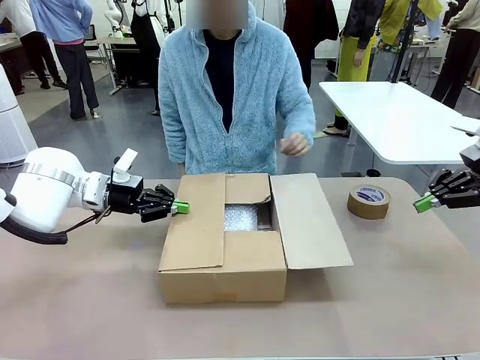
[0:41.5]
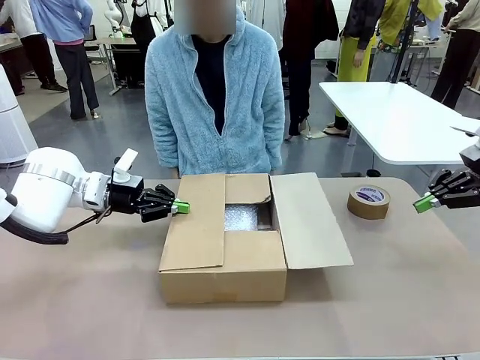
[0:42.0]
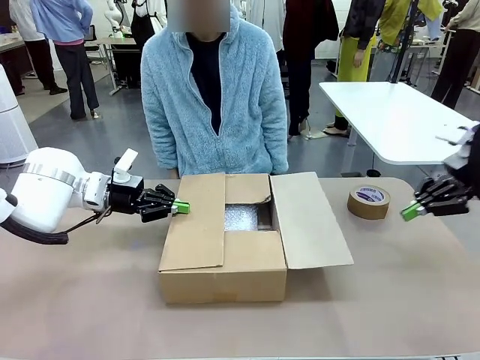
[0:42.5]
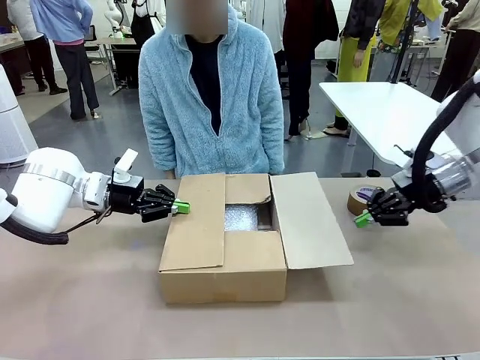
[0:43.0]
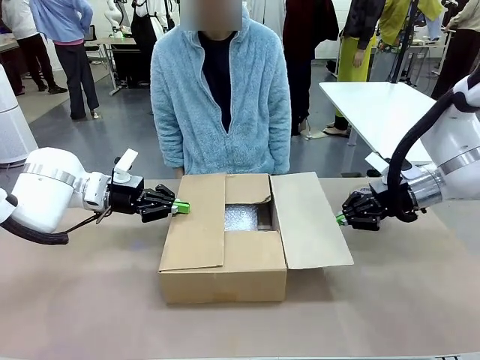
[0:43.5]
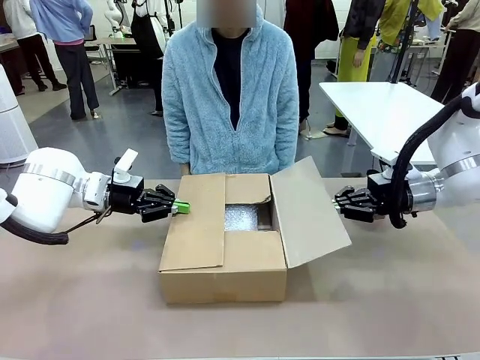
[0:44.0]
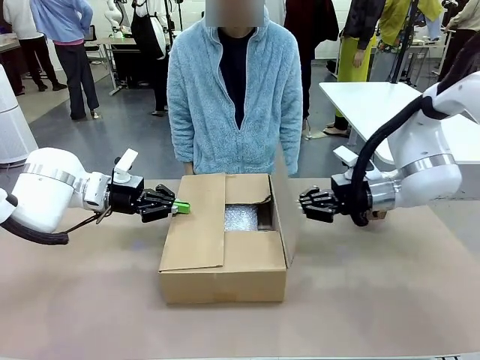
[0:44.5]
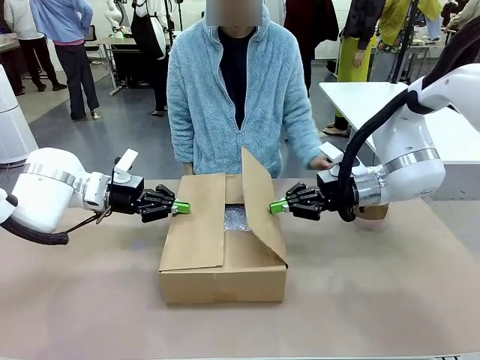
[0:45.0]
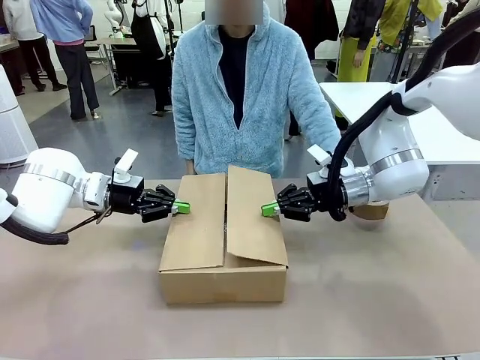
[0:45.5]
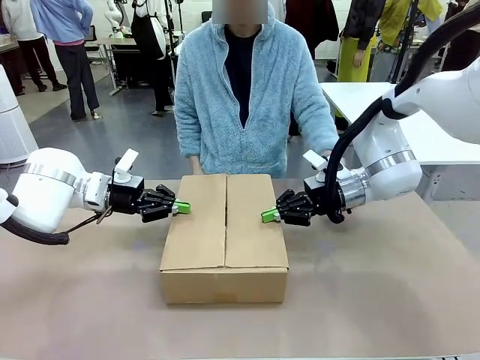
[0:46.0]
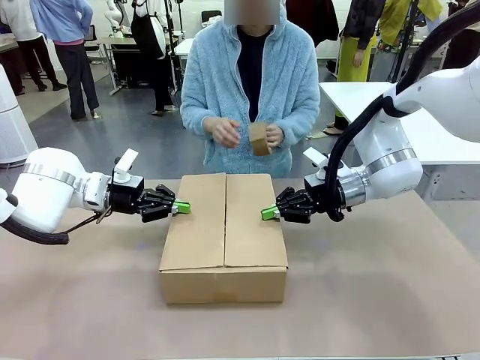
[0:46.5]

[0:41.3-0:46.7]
Task: Wrap the clocks to prevent damage.
Robot: Push the left (or right) flap of the Package Box to close it.

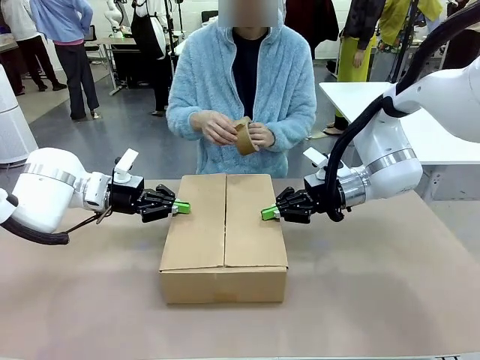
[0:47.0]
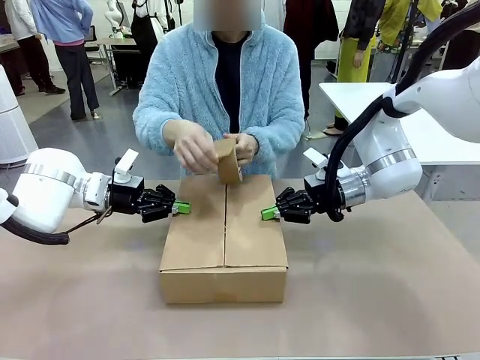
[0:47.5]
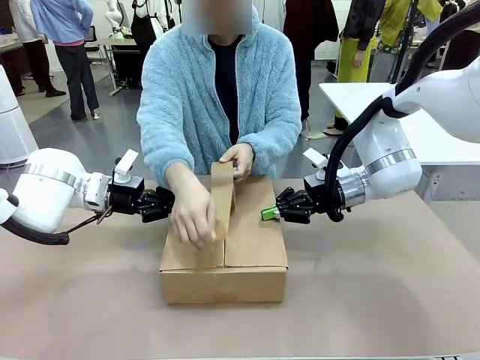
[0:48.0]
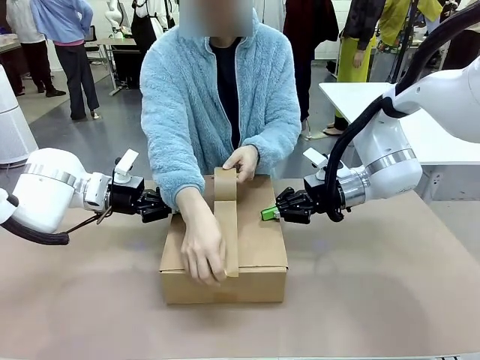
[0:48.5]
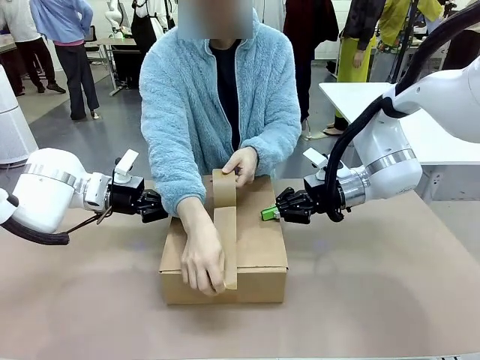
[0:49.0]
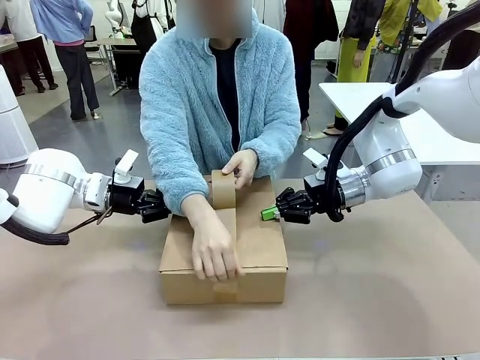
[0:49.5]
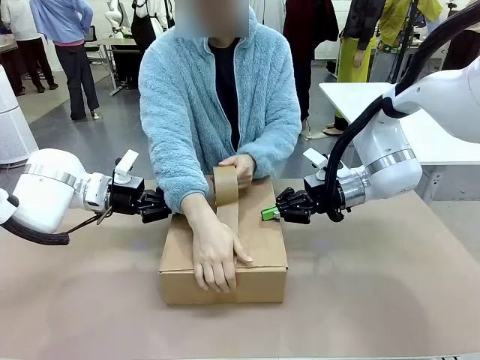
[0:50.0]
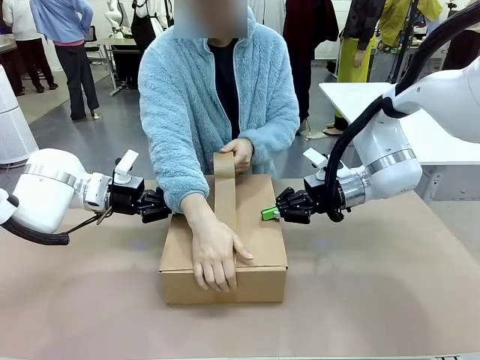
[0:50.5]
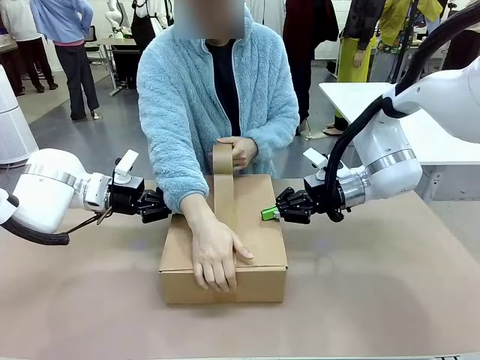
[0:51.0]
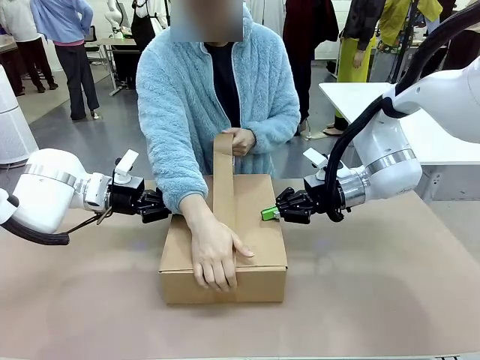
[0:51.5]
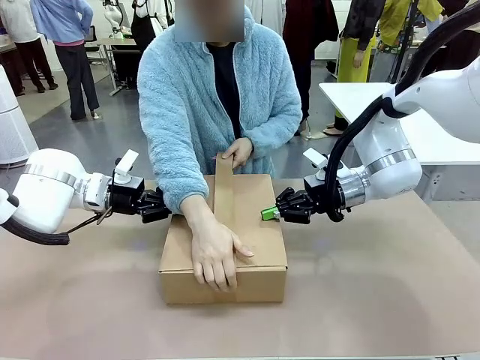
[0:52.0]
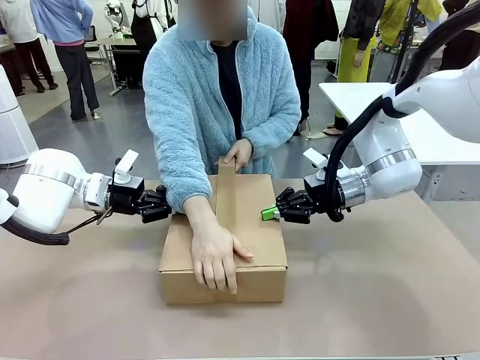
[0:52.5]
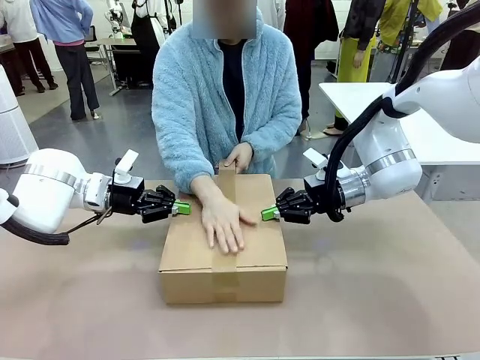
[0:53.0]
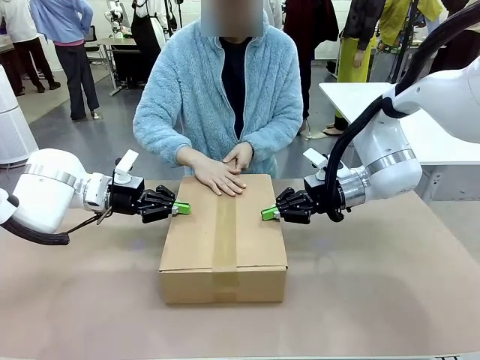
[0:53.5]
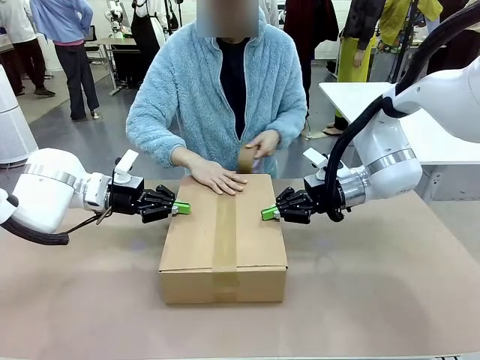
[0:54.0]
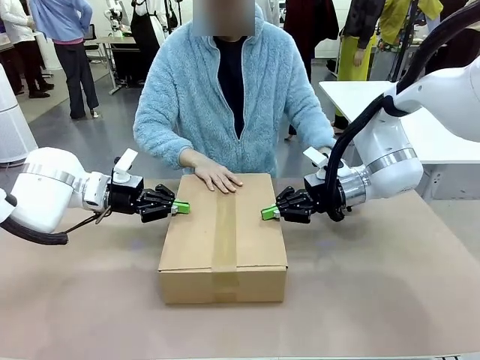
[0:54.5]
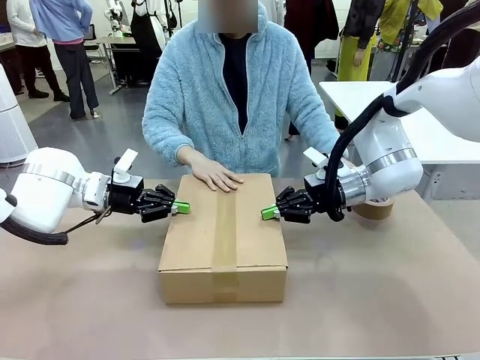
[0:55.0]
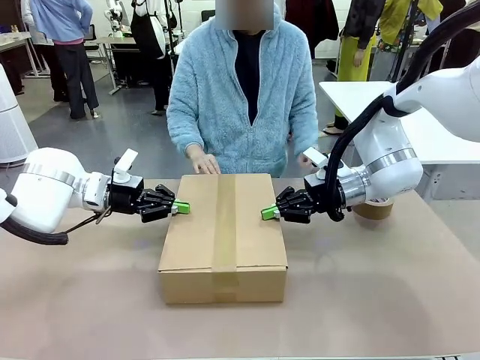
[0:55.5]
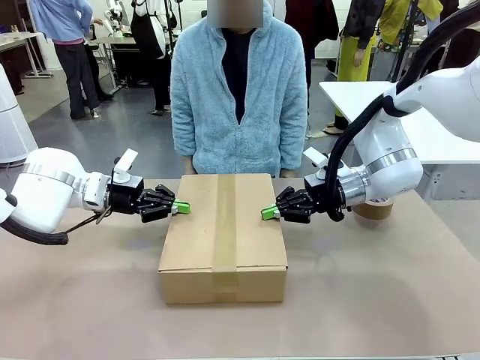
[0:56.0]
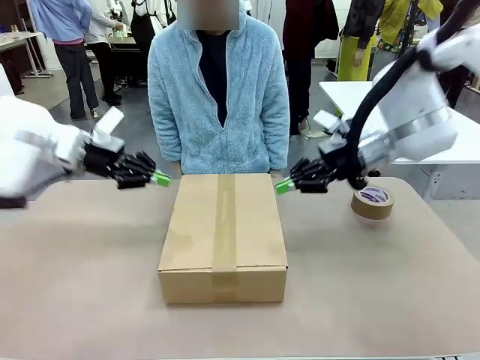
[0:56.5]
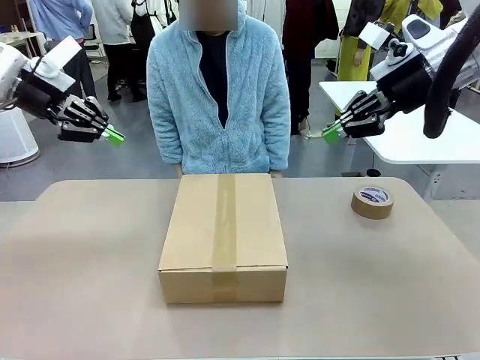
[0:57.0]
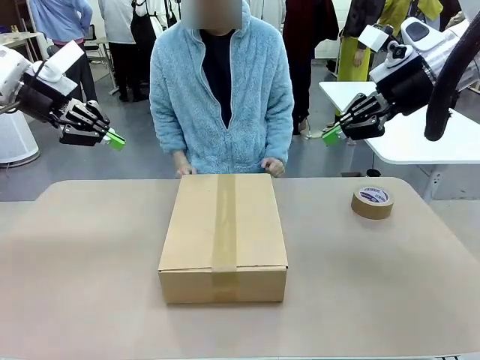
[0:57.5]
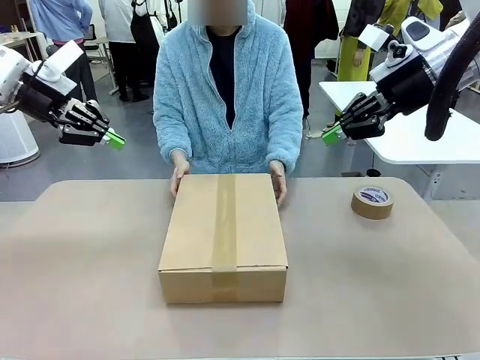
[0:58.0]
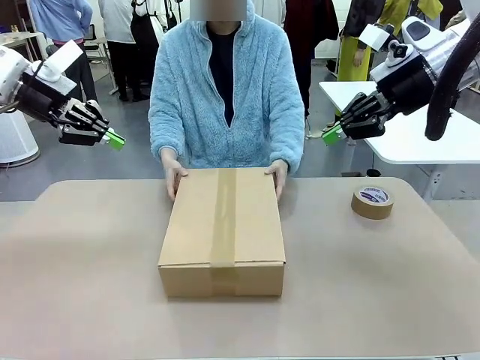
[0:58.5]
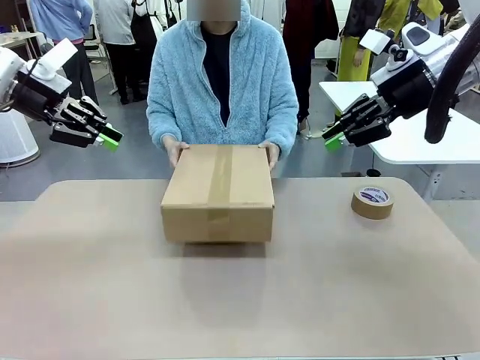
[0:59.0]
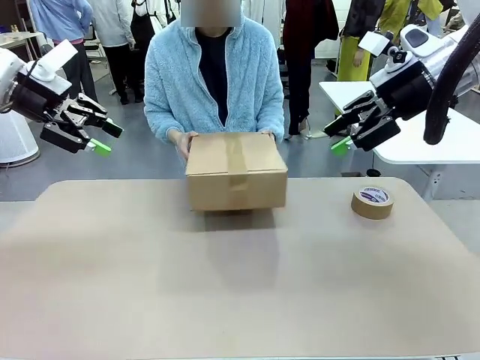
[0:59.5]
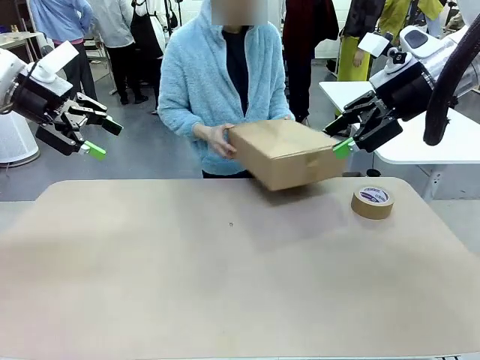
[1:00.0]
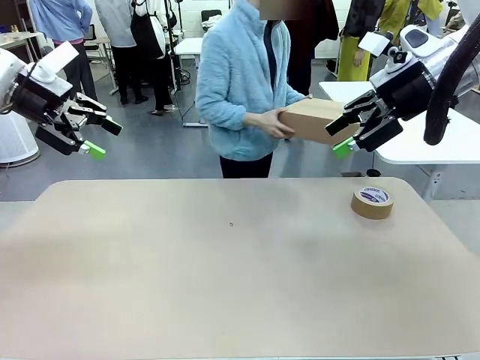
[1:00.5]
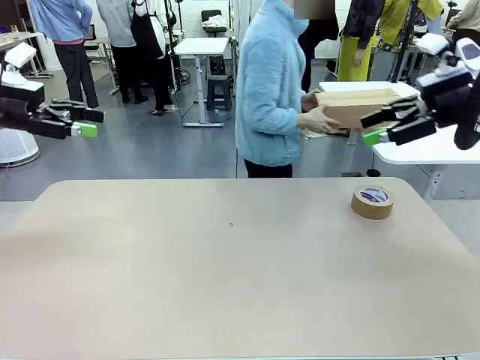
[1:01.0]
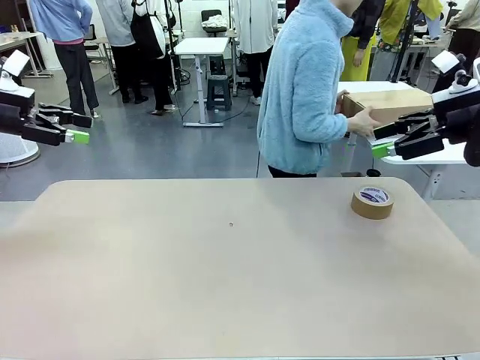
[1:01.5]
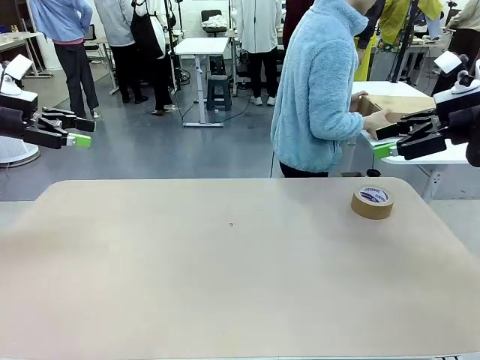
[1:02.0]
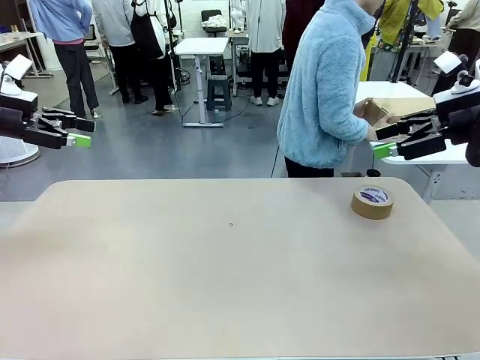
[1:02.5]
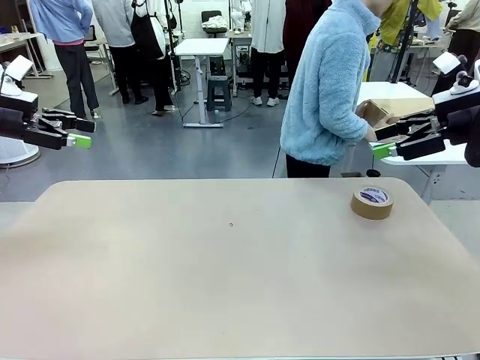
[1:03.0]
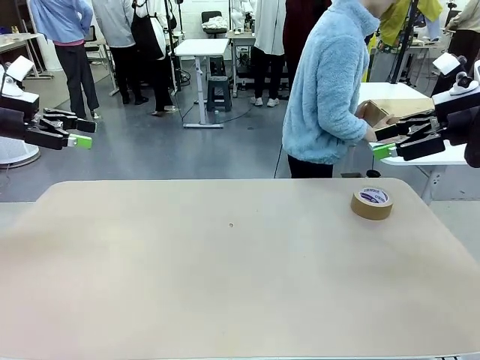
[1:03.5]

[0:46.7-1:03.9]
Robot: After the human seals the box with tape, release both hands from the side flaps of the Package Box.
Person: Once the robot closes the left flap of the Package Box , seal the box with Paper Tape. Place sealed Package Box in the middle of the human's table.

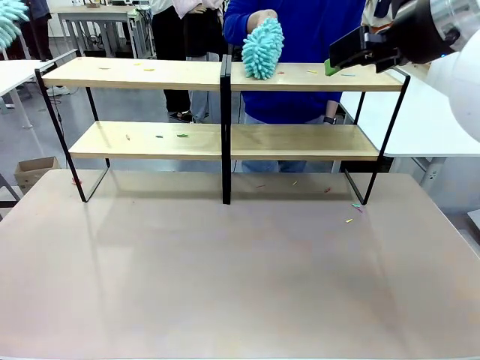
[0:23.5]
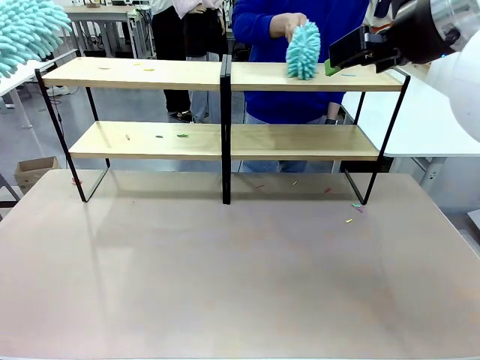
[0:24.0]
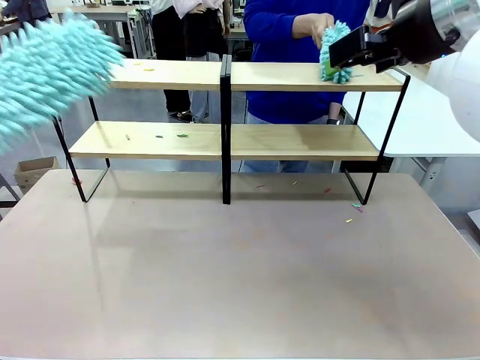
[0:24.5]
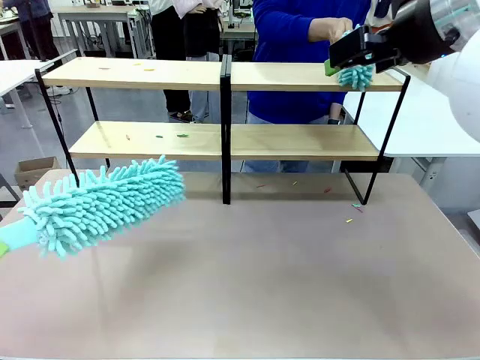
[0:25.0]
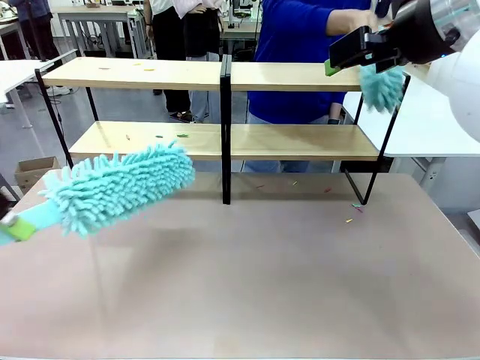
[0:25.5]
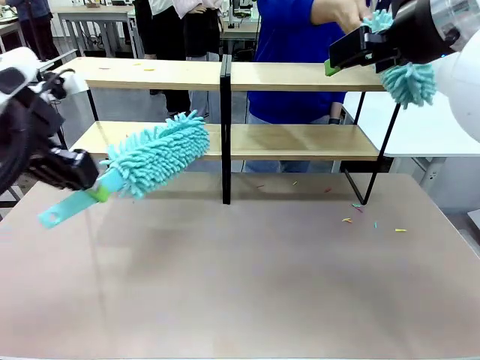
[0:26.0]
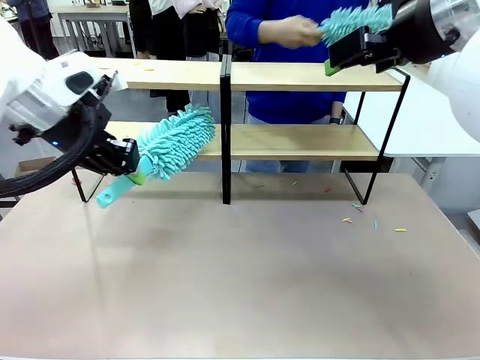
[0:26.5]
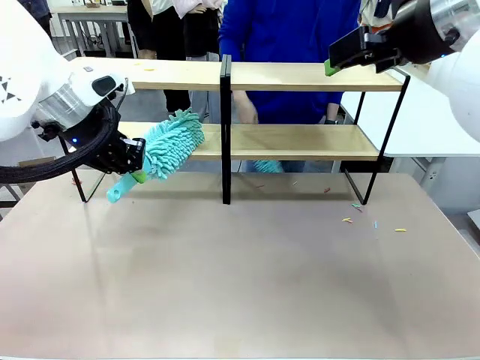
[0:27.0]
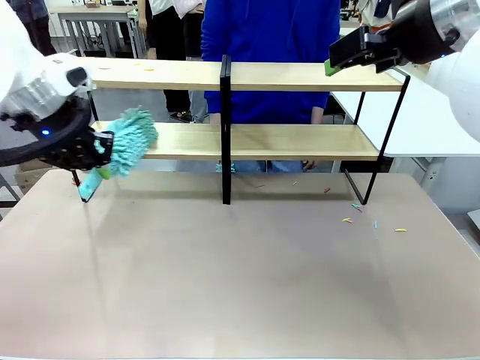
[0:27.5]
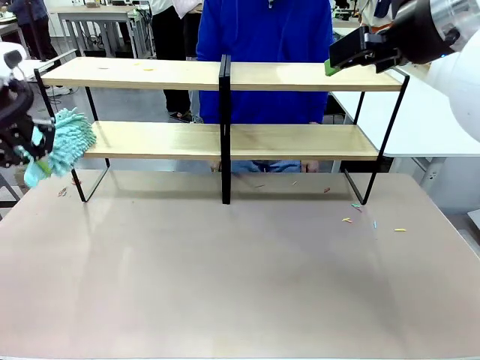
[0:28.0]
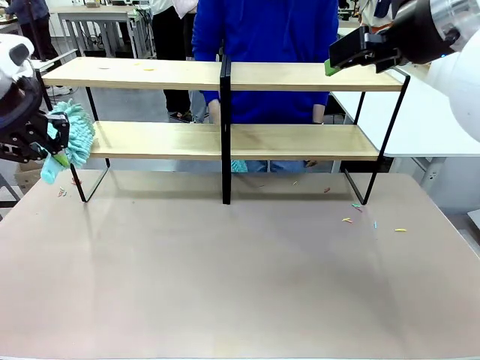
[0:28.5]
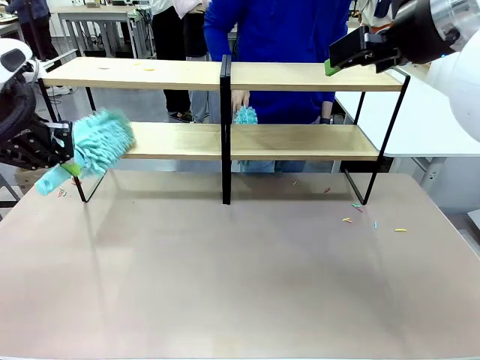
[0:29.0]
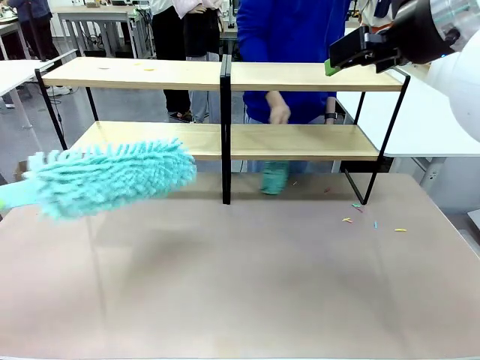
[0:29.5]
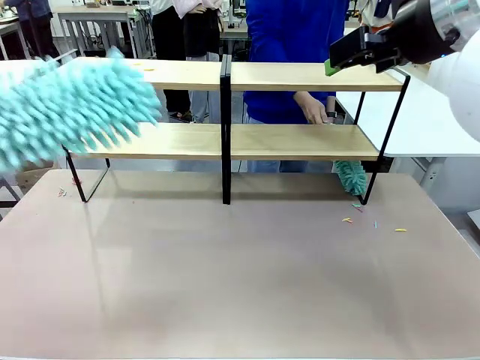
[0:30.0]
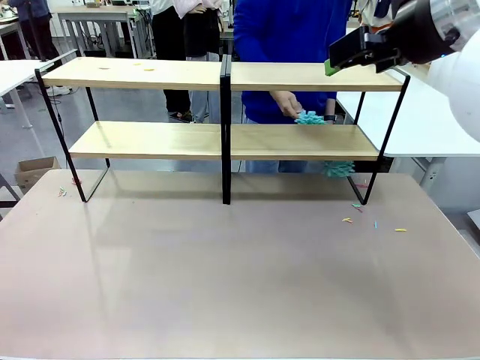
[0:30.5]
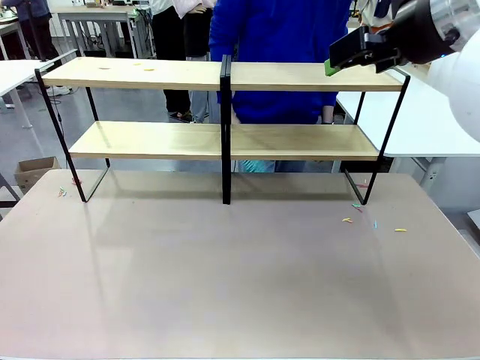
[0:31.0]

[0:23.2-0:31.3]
Task: Clean the shelves.
Robot: Clean another randomly selected level of the Shelf with the Duster.
